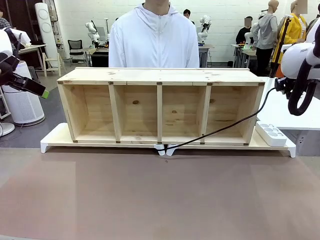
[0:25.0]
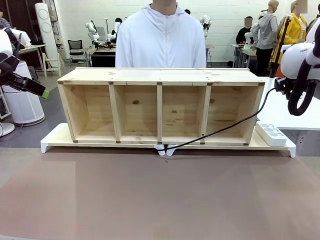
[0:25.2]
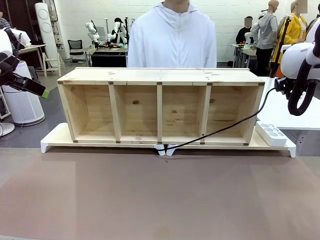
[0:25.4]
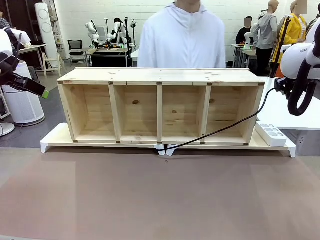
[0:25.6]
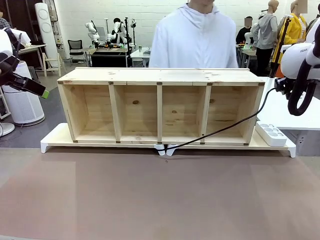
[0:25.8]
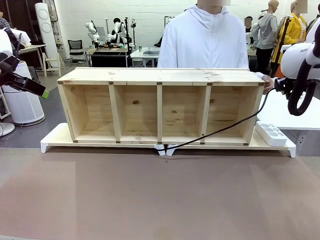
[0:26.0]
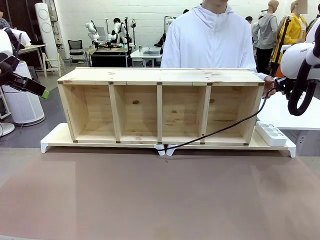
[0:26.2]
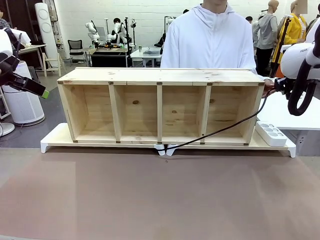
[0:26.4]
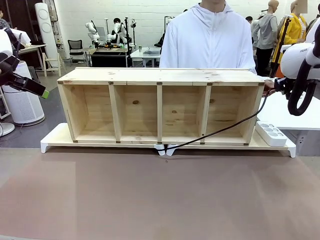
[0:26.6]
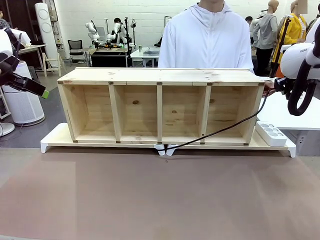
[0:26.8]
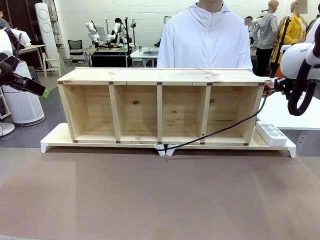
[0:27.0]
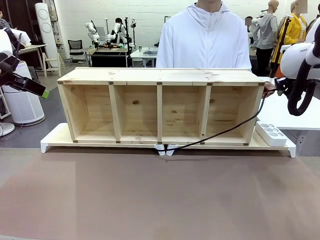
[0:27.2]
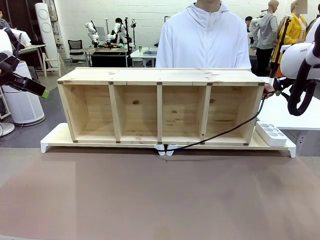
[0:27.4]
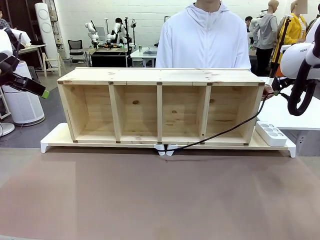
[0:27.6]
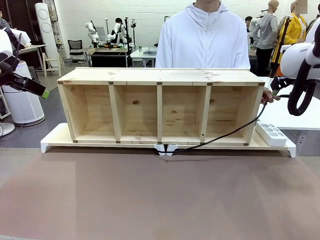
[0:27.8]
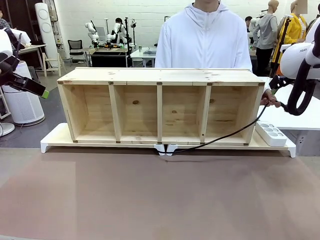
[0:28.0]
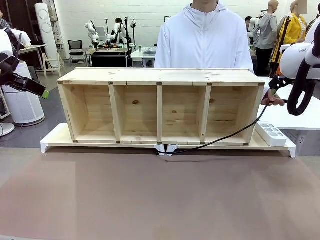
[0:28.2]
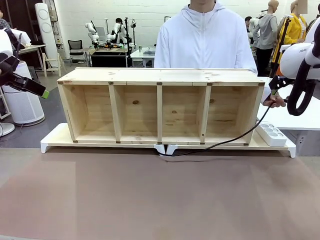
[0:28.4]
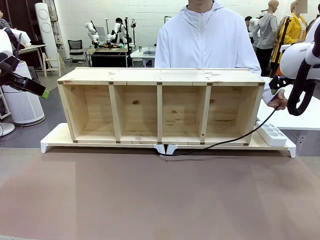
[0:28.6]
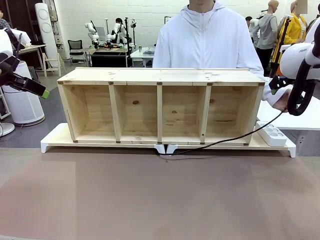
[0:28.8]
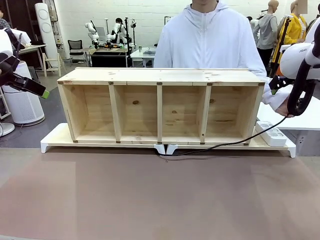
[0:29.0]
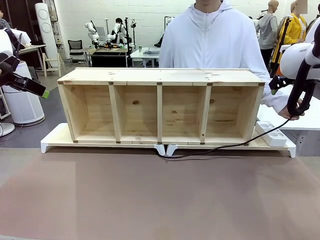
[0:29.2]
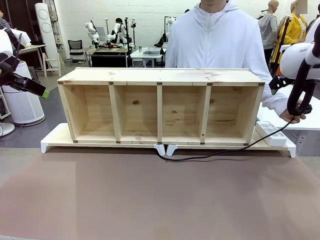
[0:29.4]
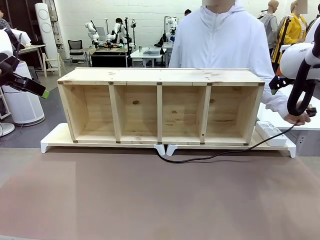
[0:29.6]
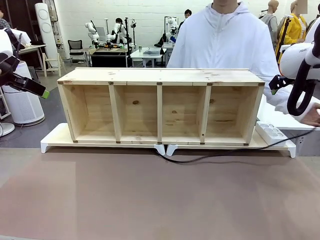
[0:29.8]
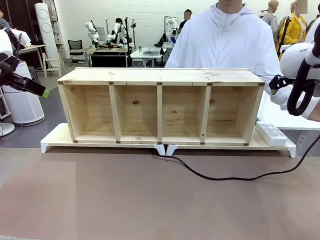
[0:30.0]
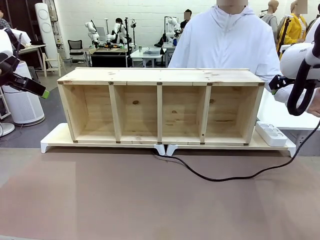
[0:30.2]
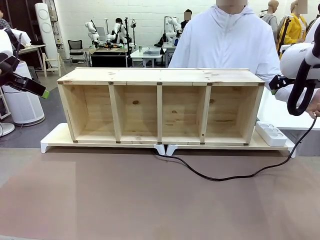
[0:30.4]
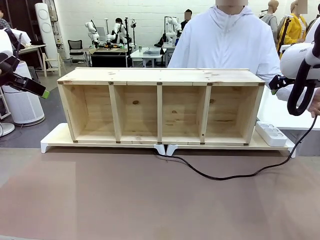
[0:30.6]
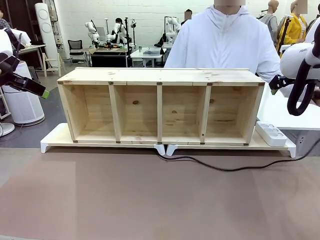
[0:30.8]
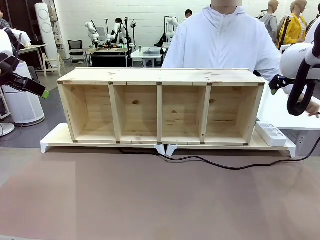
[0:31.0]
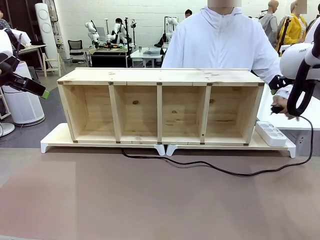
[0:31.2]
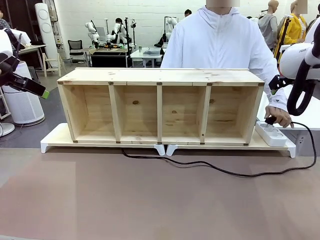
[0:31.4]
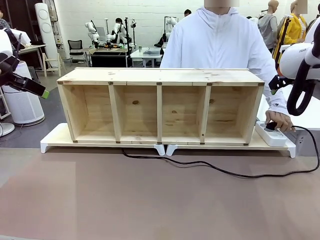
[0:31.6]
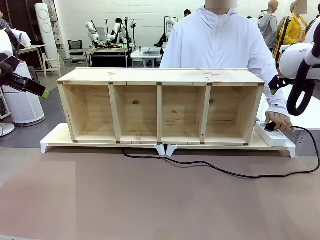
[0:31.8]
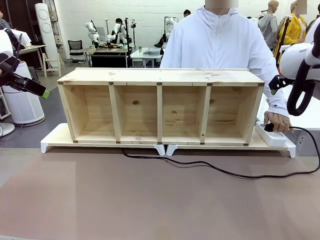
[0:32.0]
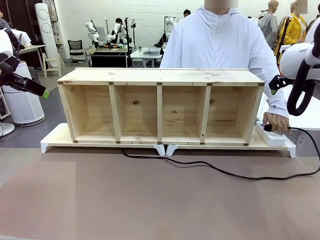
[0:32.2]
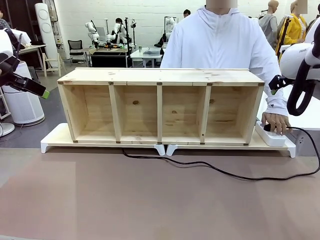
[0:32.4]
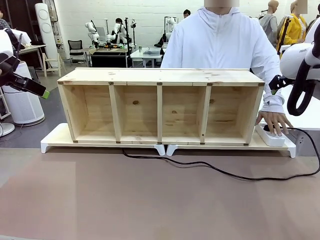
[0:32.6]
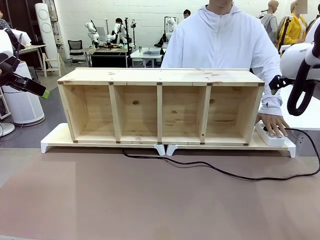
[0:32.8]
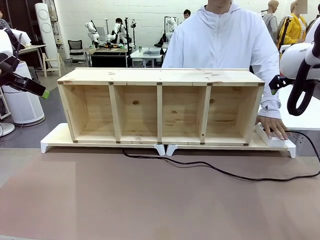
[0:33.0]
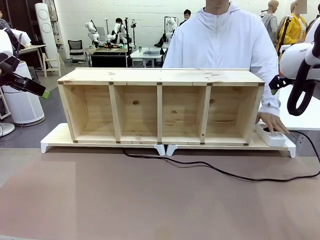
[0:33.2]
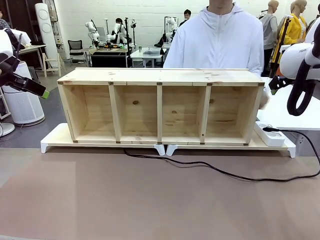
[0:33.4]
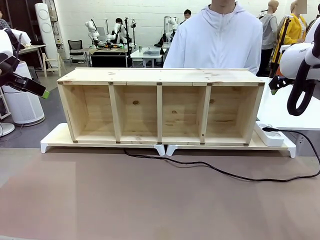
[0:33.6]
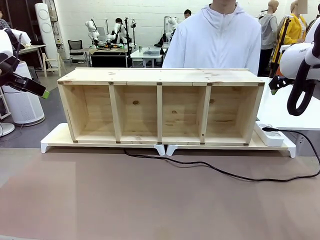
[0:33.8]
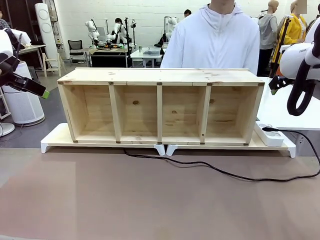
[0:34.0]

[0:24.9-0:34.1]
Task: Perform cable management.
Robot: Release the Power Cable when the human grasps it.
Person: Plug the Power Cable into the Power Strip.

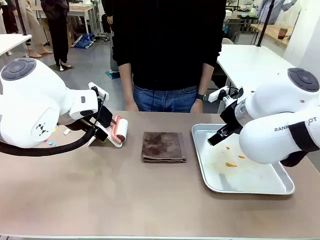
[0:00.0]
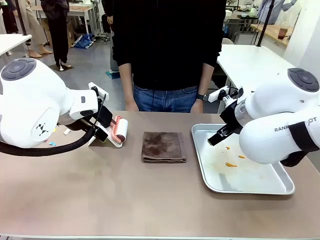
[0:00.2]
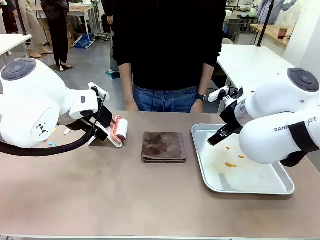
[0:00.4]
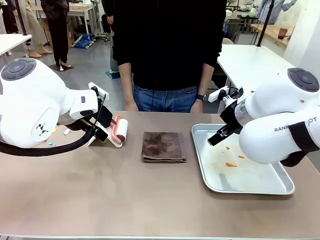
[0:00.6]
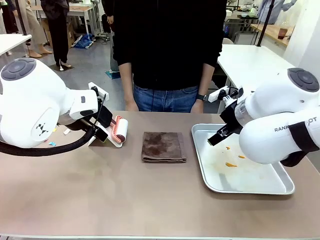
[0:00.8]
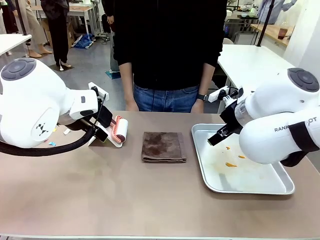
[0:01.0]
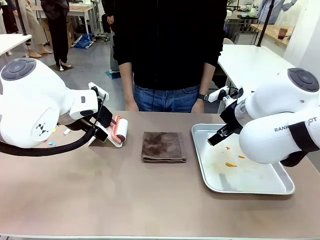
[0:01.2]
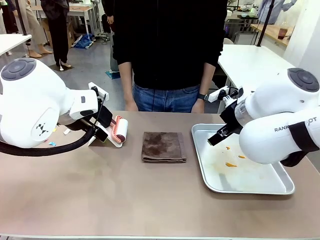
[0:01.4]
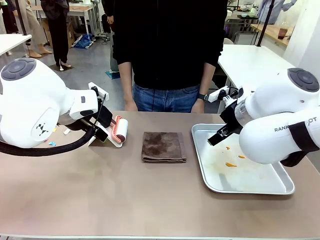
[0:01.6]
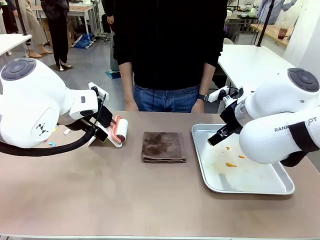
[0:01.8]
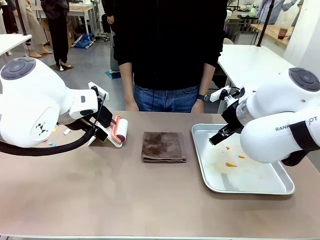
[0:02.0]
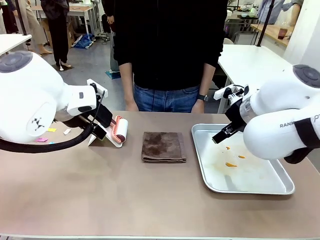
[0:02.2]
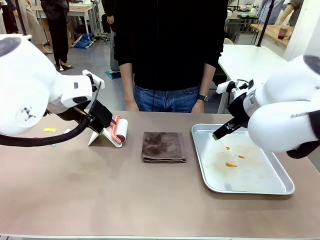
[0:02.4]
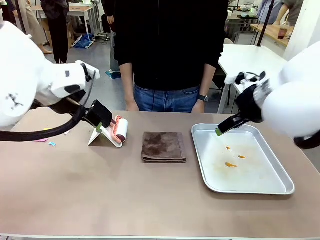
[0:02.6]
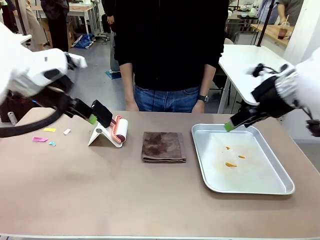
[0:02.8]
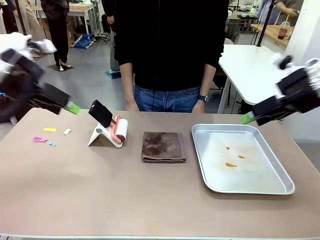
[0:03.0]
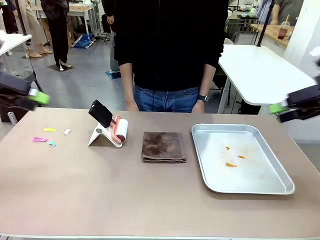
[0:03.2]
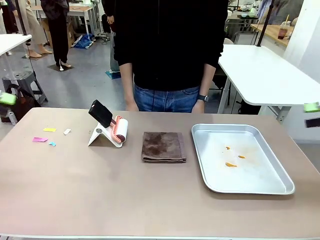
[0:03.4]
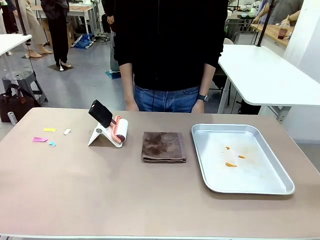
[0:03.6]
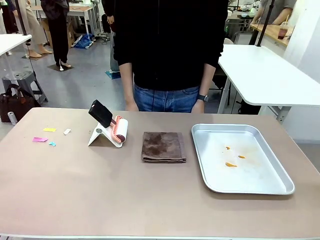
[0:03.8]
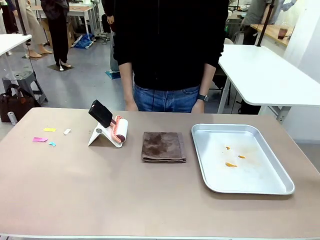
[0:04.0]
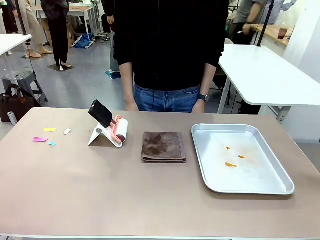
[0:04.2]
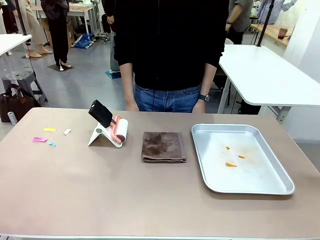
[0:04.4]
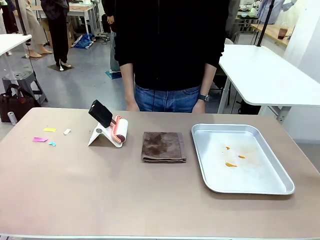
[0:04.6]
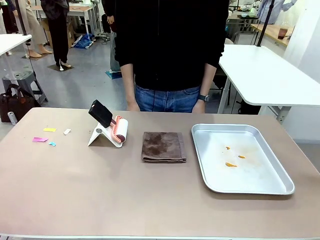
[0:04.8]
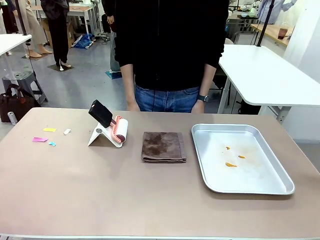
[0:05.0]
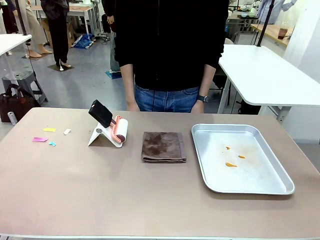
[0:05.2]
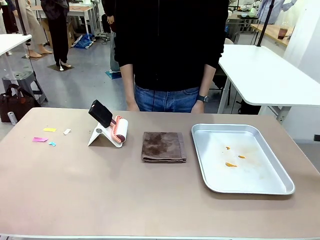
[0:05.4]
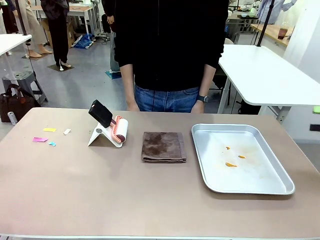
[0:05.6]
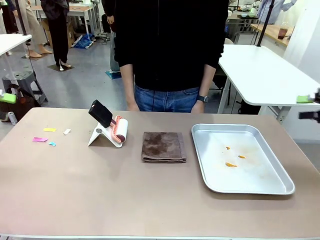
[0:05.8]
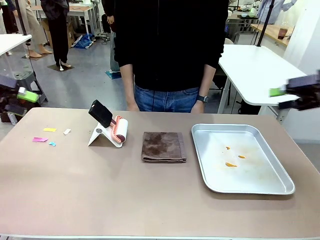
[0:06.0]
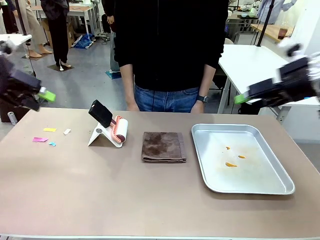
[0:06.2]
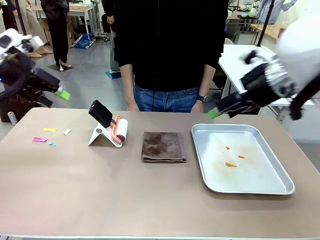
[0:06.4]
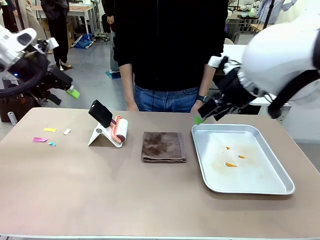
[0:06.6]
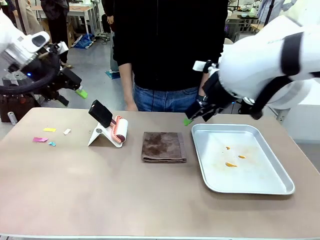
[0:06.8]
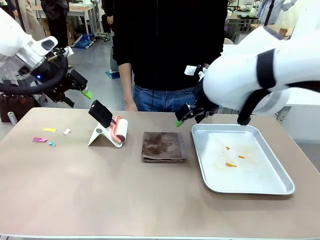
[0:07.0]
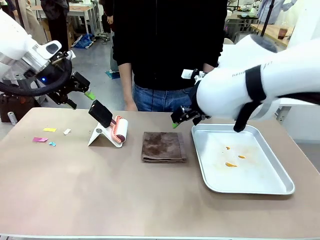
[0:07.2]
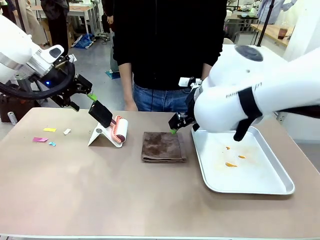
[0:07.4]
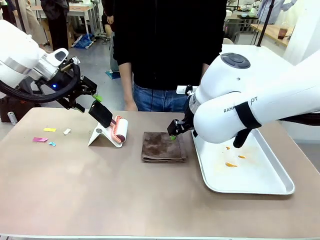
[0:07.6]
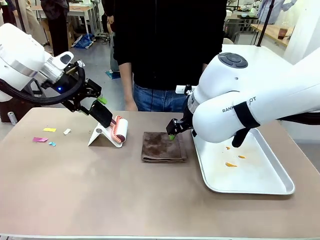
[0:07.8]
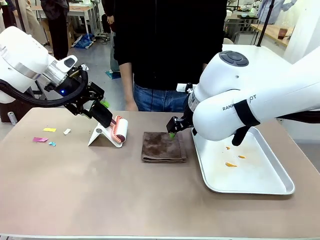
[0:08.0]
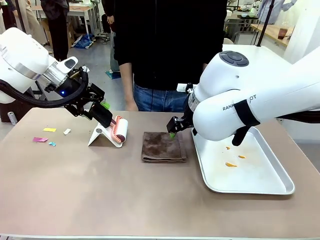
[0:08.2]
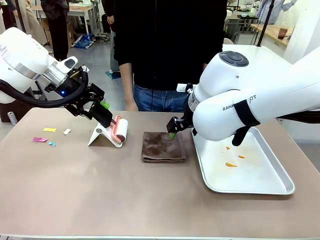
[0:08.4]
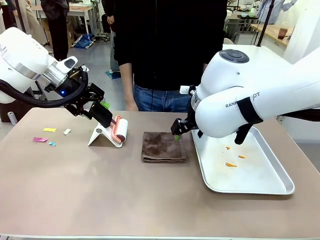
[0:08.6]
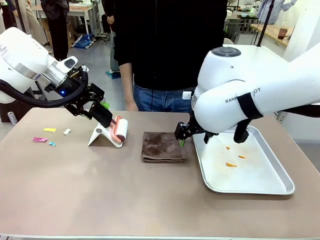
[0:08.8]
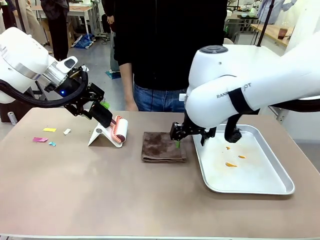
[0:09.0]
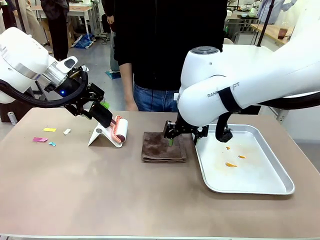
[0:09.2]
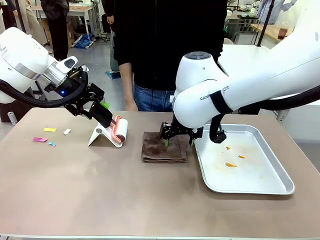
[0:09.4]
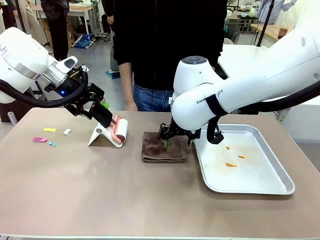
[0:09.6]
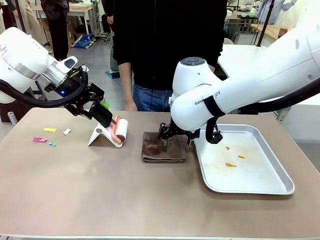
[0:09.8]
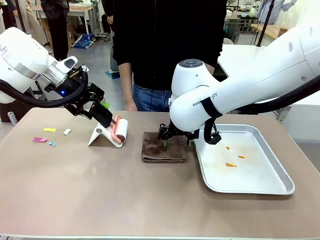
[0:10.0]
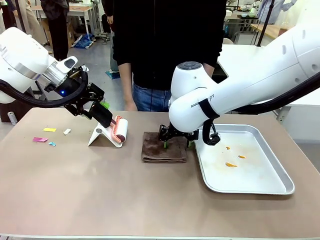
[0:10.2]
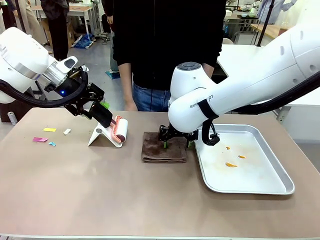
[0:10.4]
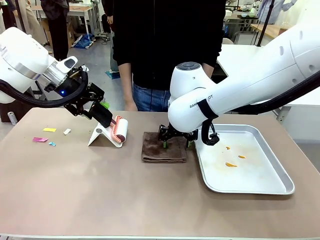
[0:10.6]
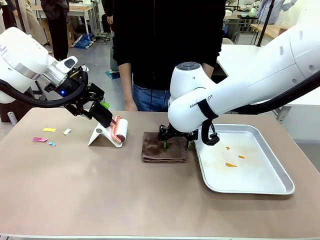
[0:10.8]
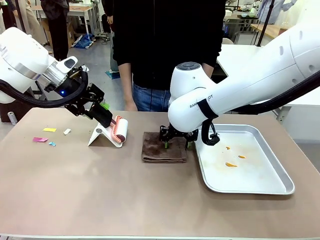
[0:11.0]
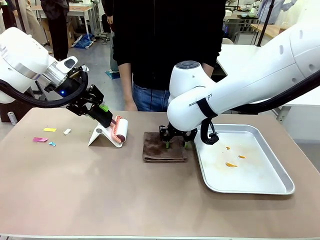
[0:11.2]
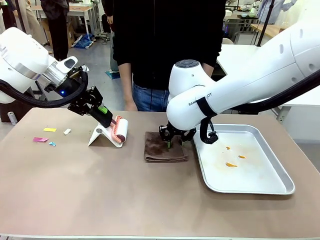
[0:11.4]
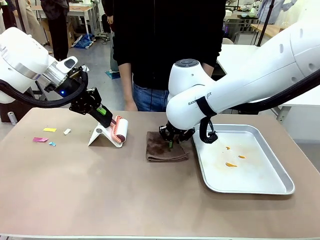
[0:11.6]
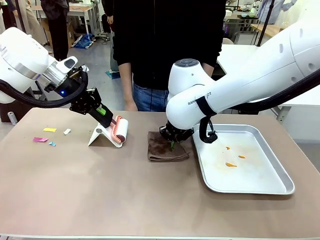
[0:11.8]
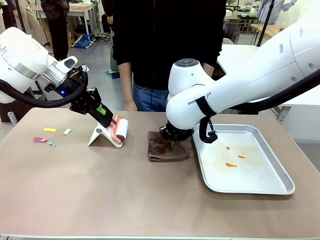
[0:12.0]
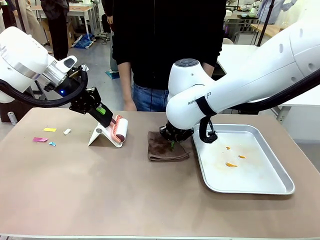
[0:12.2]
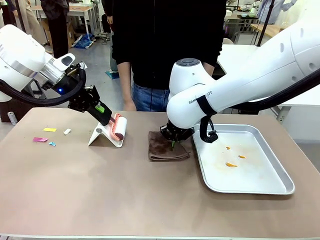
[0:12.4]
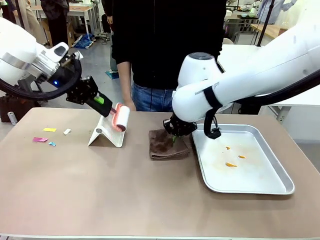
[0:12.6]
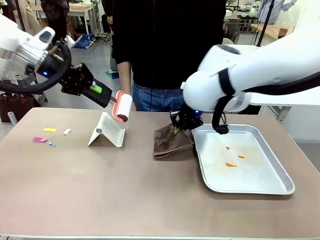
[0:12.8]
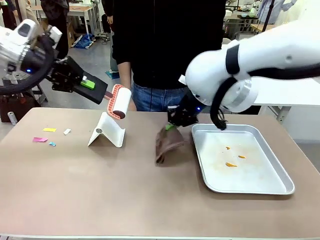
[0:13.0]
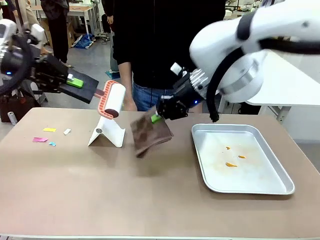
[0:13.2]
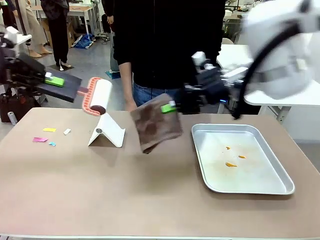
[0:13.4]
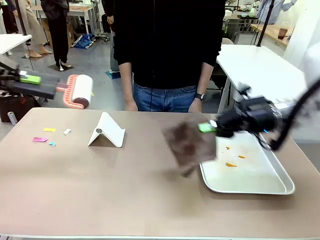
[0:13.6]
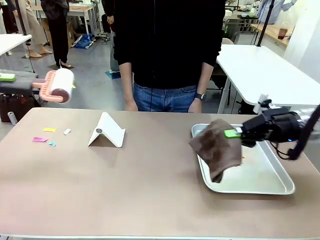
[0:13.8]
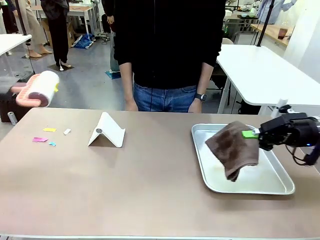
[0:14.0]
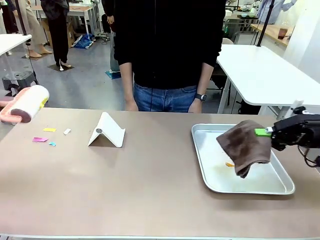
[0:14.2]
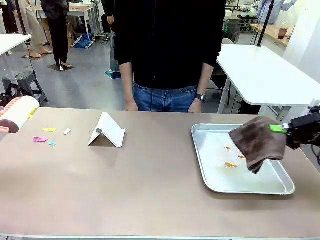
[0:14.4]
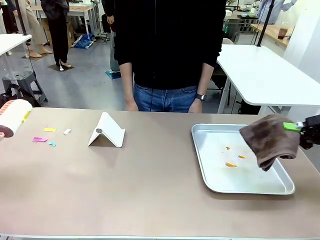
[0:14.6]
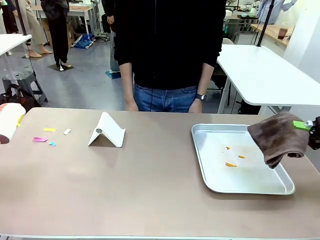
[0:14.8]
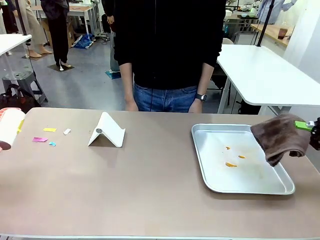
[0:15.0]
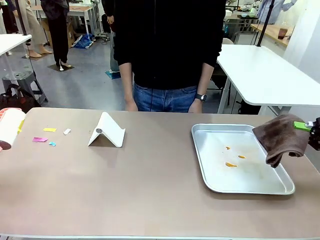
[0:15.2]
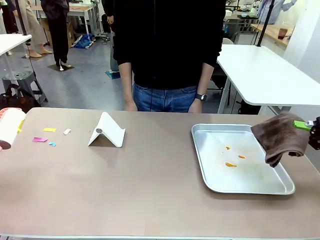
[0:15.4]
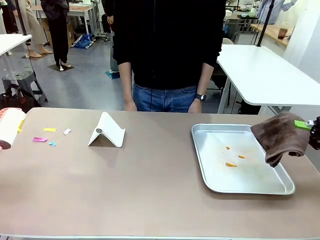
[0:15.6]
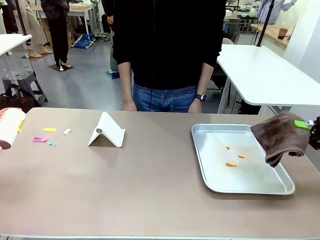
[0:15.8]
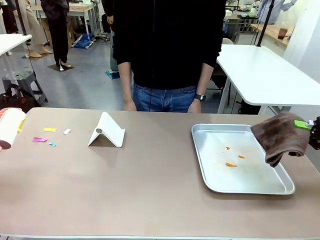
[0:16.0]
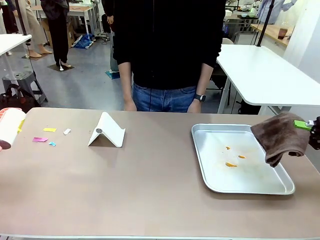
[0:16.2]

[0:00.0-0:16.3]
Task: Clean the surface of the table.
Robot: Hold the Lint Roller with your left hand and the towel with your right hand.
